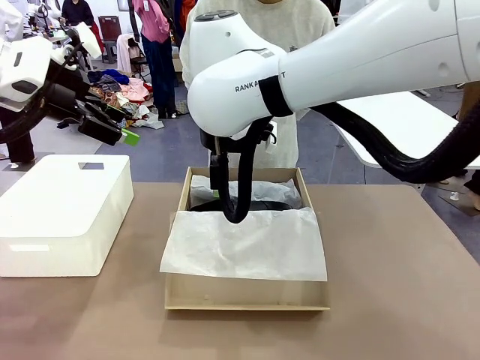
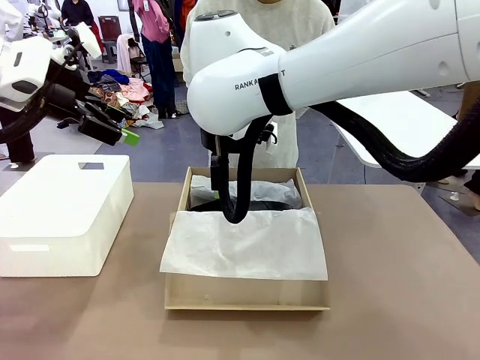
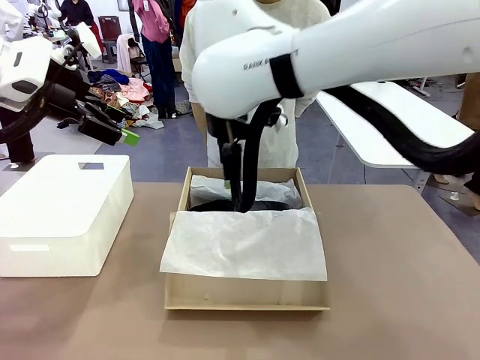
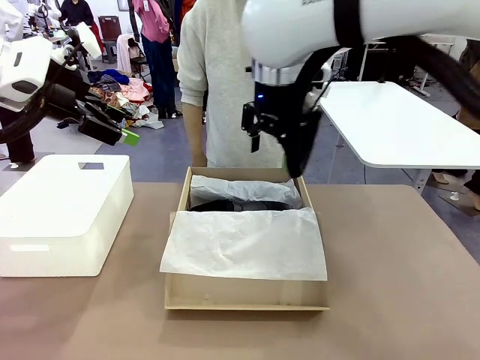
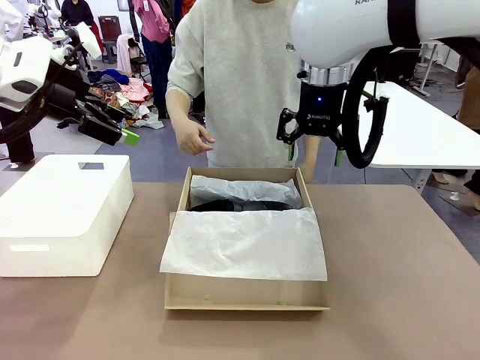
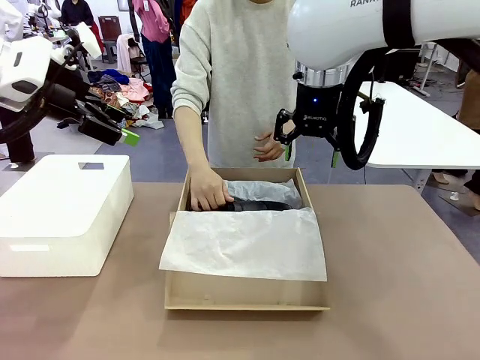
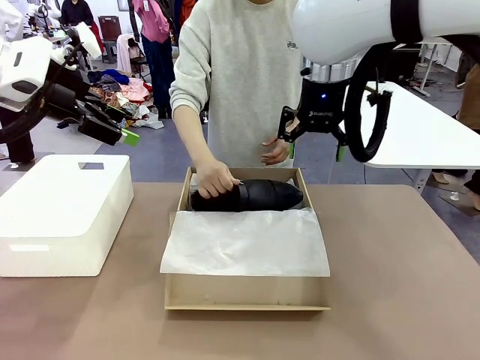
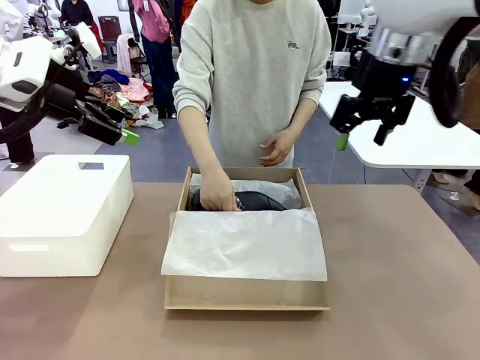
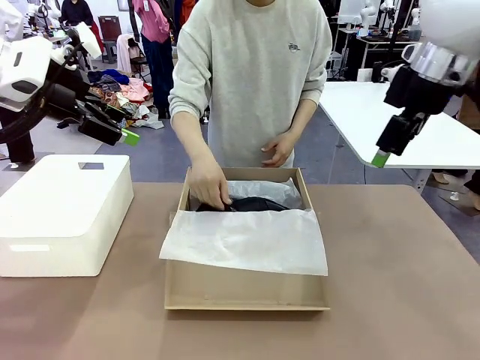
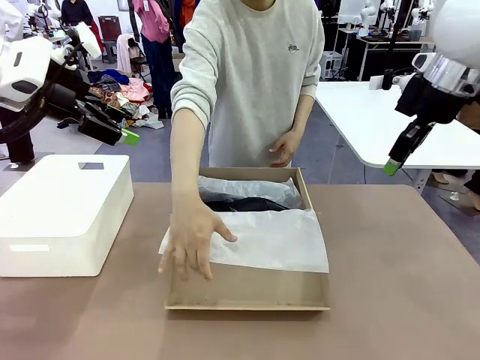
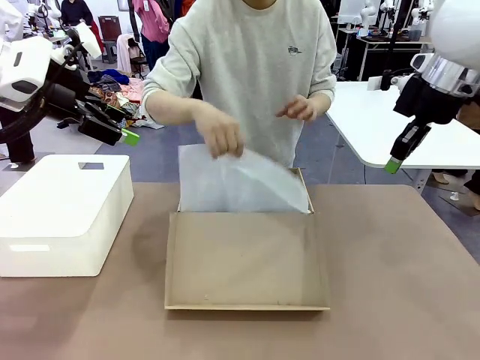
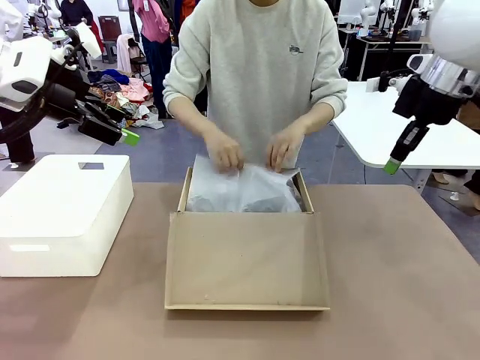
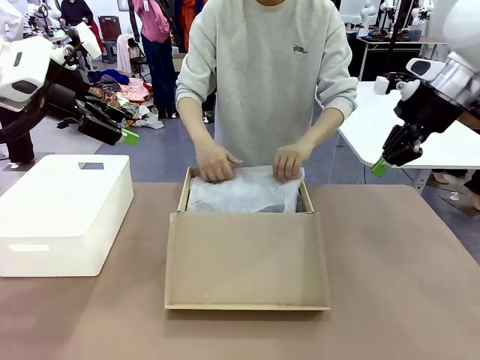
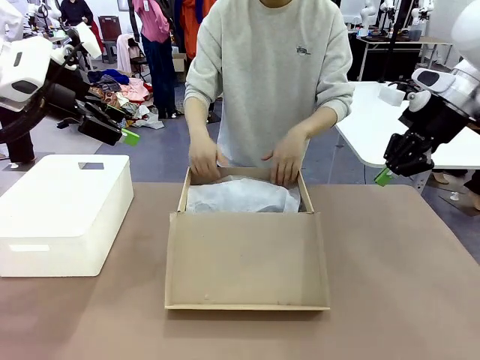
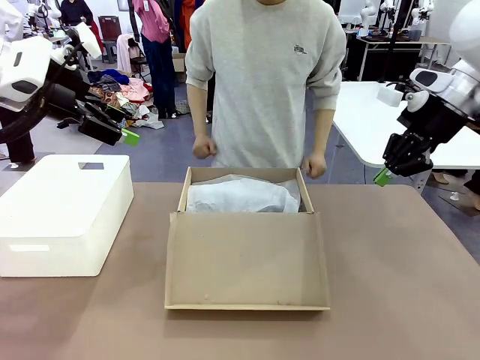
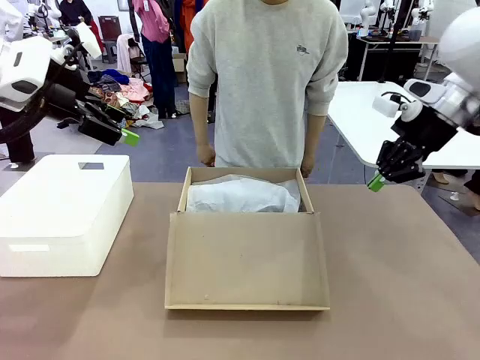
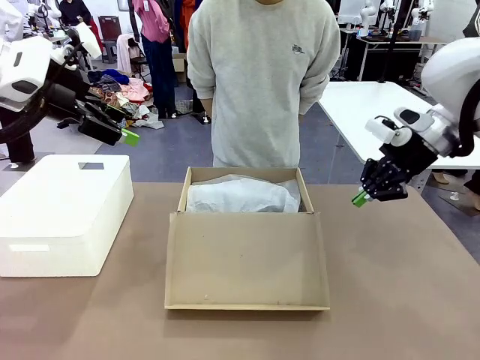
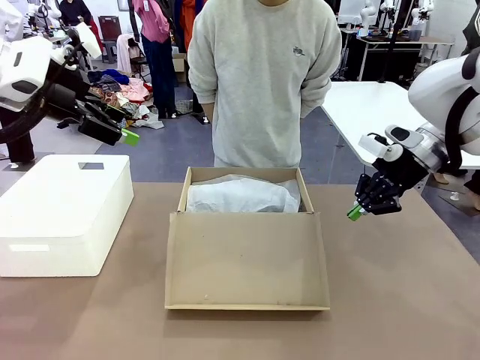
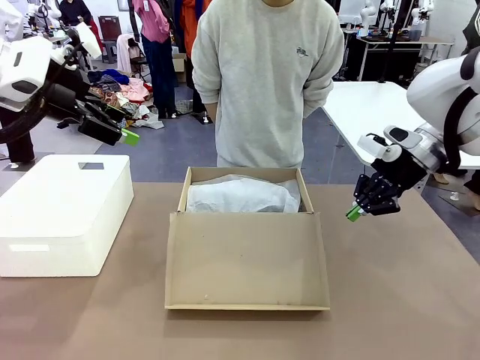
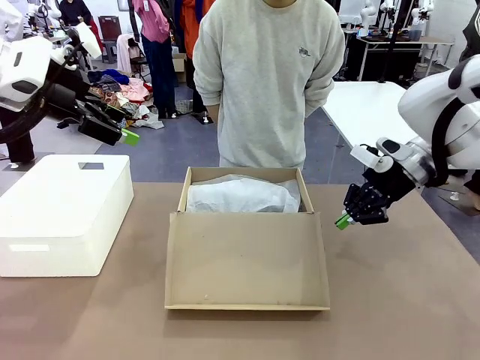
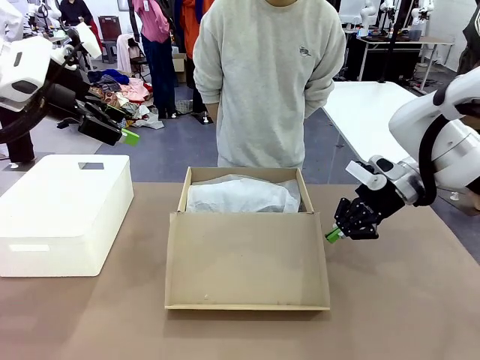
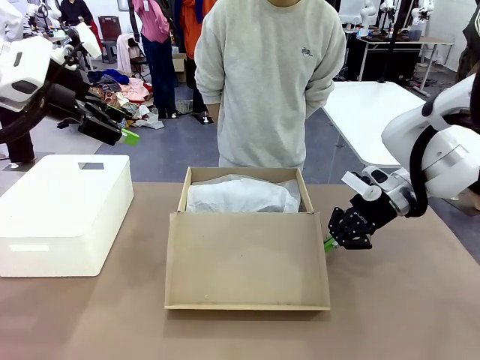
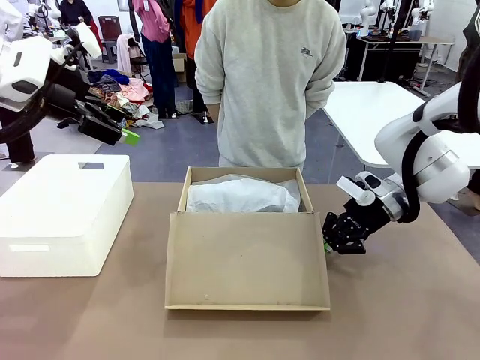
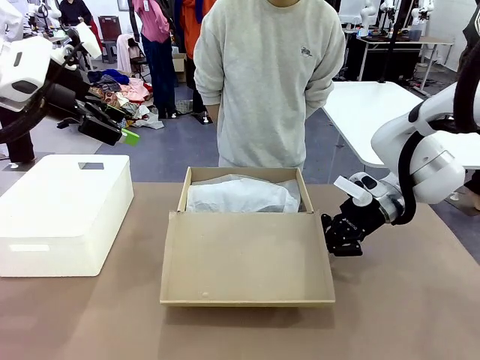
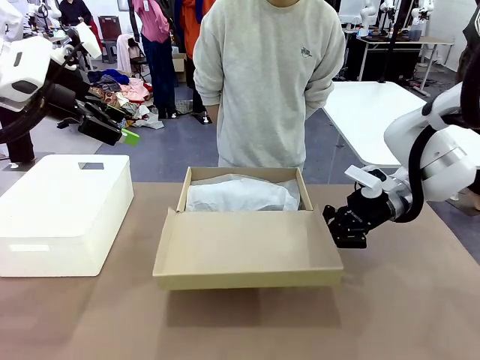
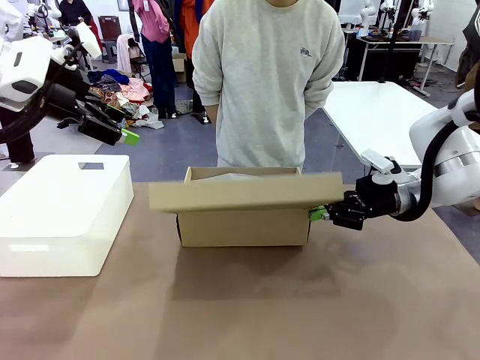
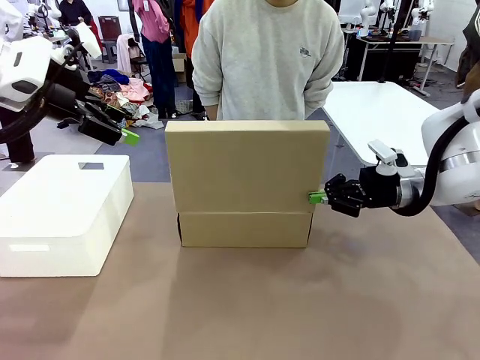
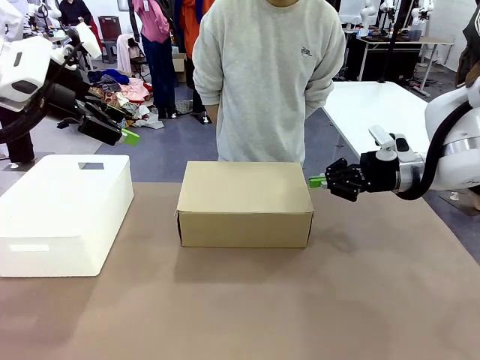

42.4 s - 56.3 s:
Task: Pack the shoes into the box.
Robot: Close the Shoes Box.

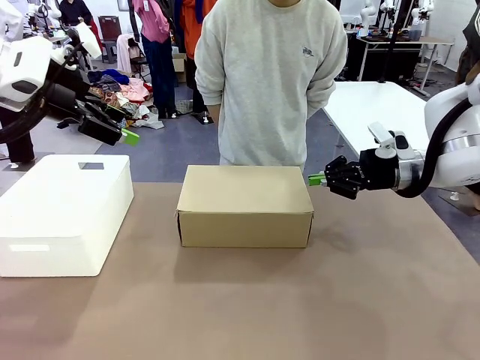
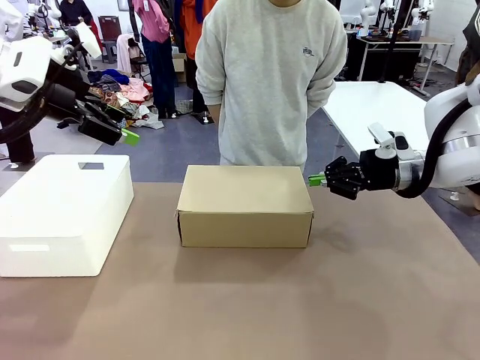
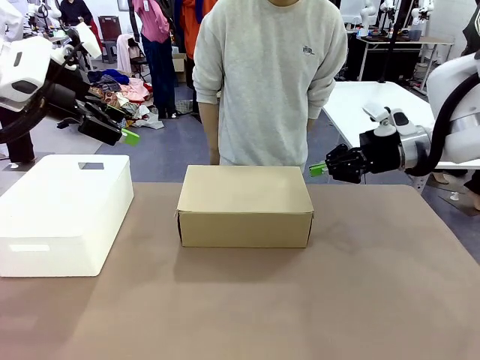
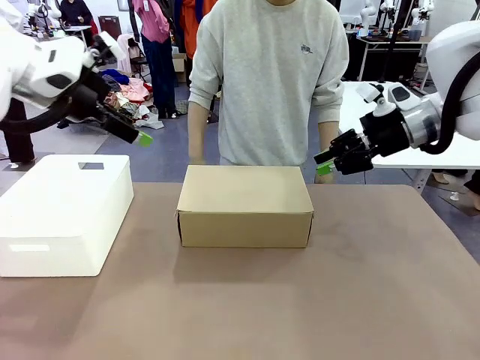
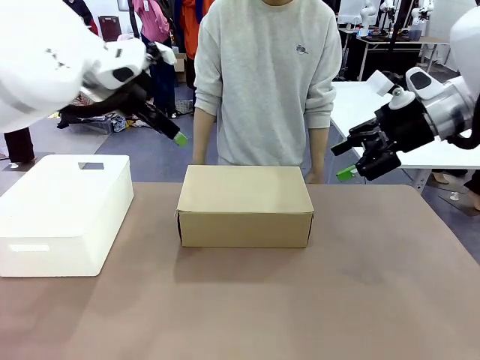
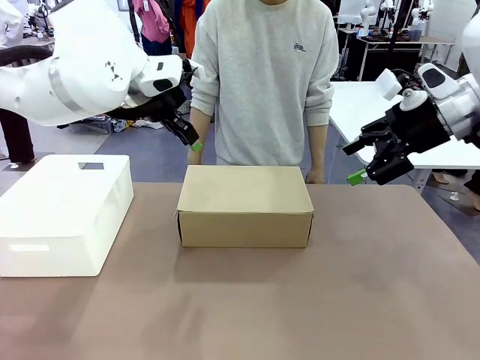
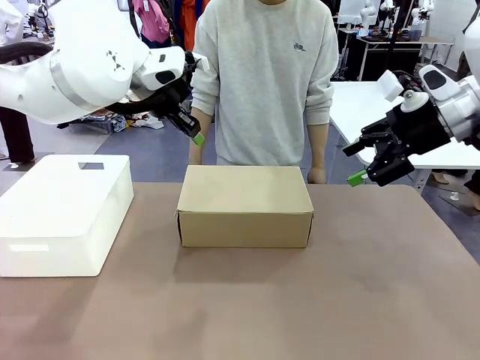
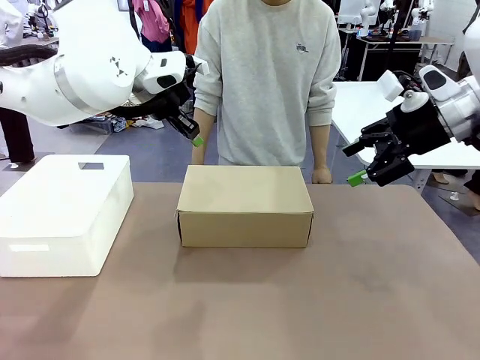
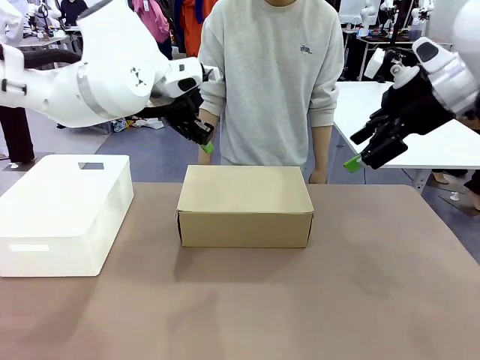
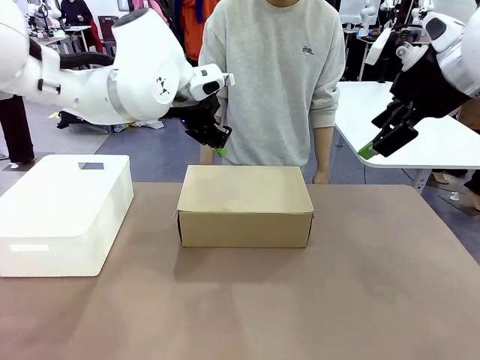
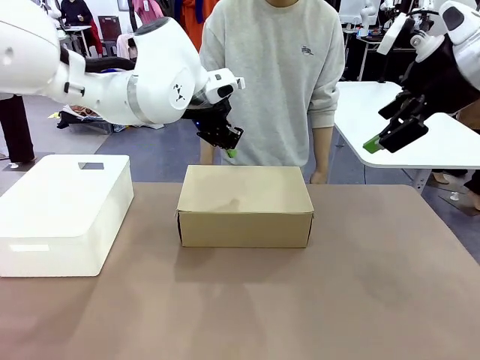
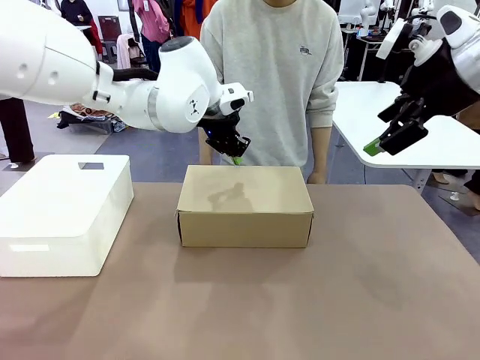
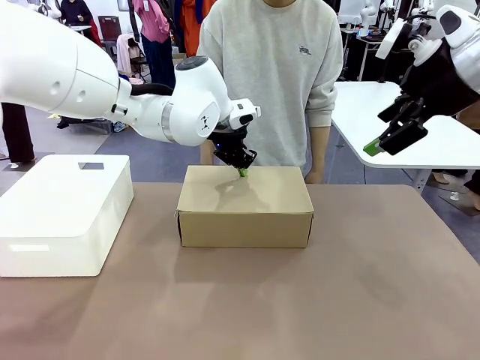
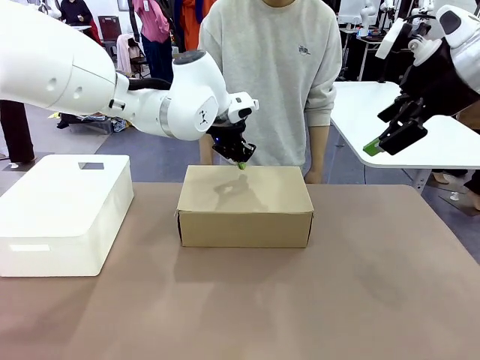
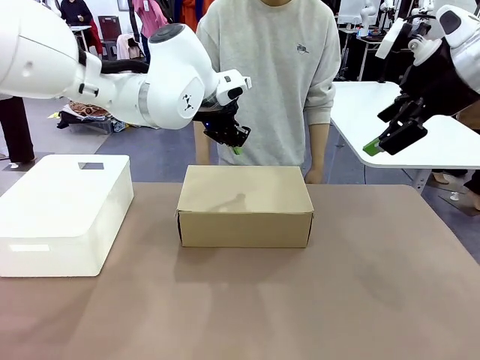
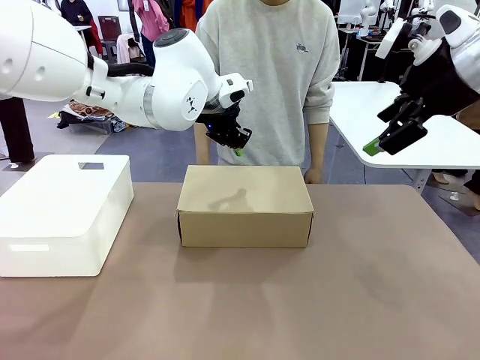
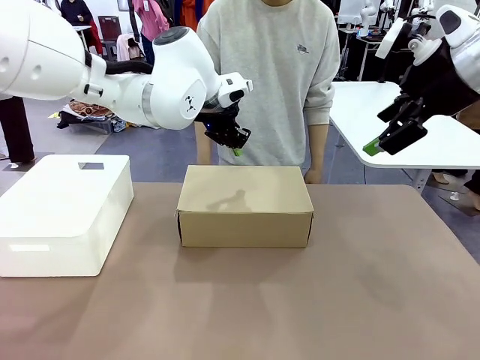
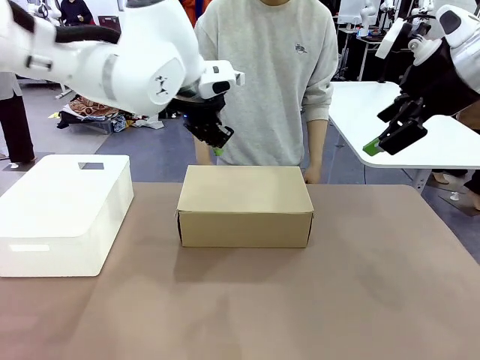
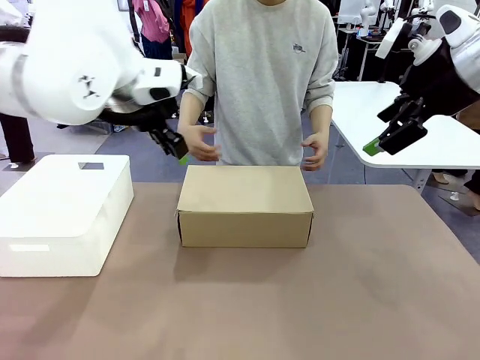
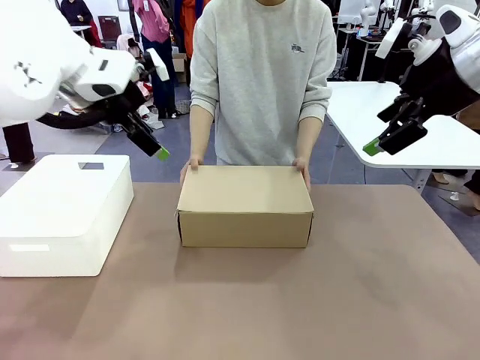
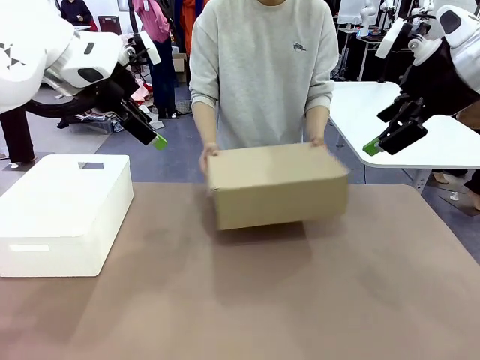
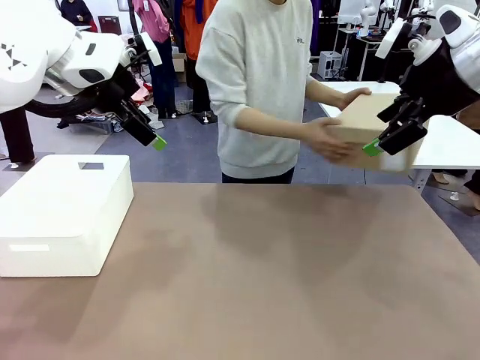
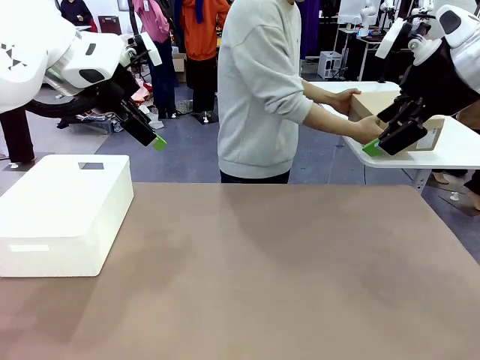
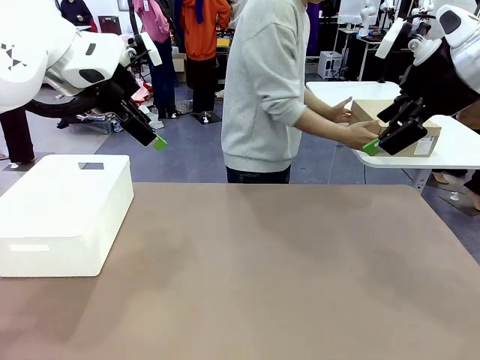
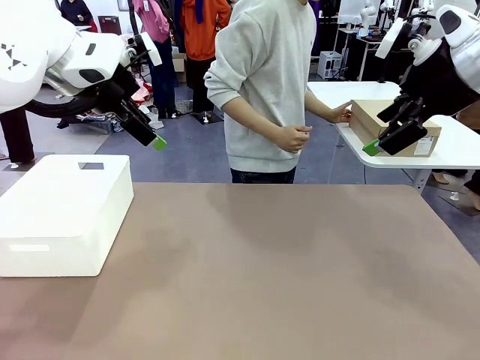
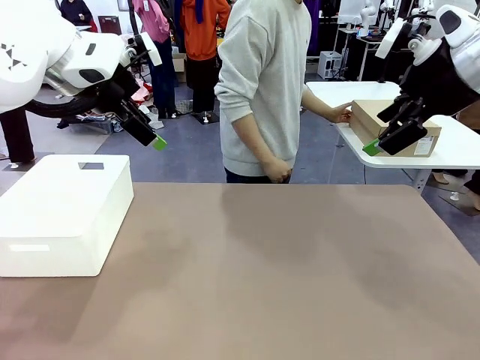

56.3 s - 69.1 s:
Robot: Press down on the lid of the Shoes Box.
Person: Place the closed Shoes Box to the right side of the human table.
